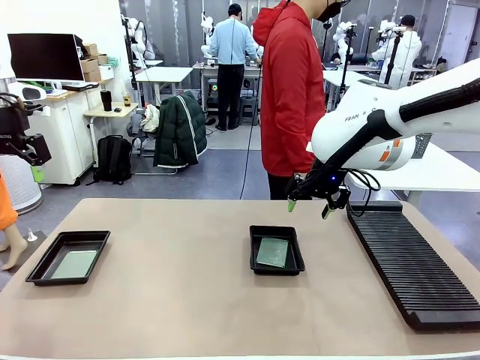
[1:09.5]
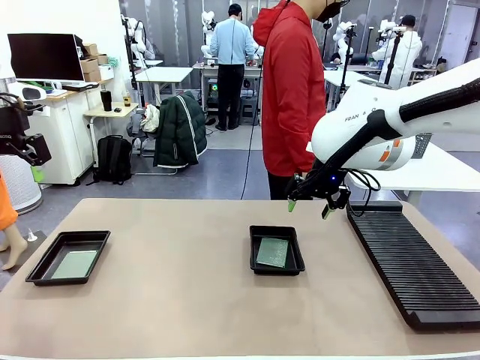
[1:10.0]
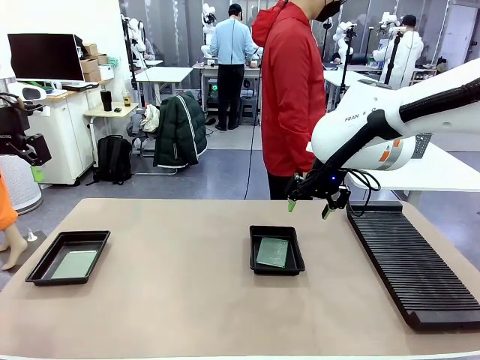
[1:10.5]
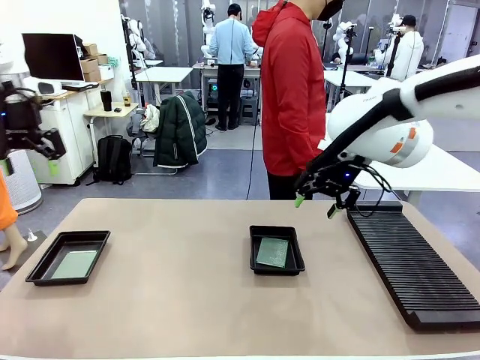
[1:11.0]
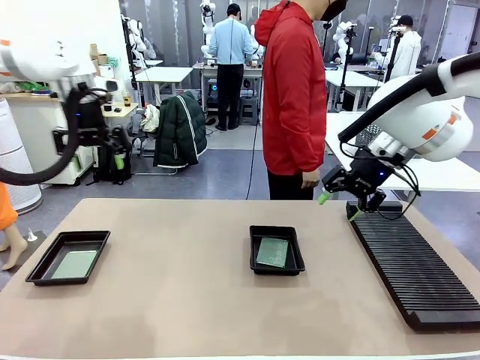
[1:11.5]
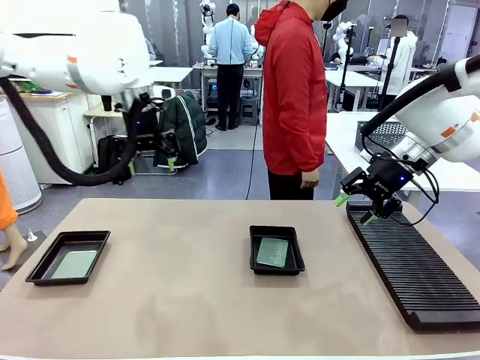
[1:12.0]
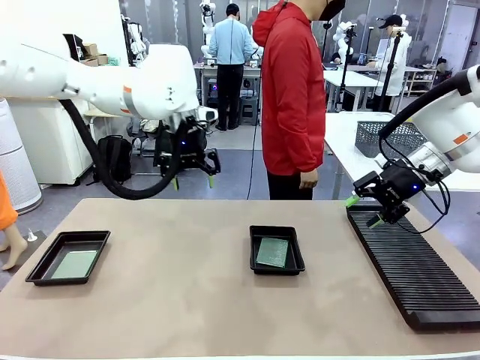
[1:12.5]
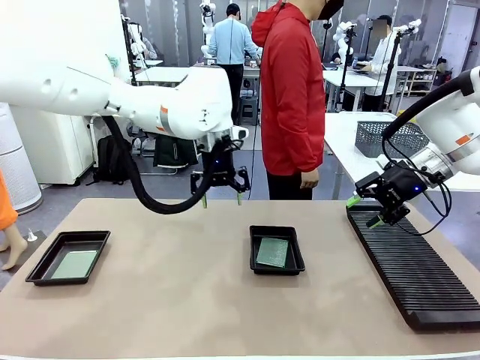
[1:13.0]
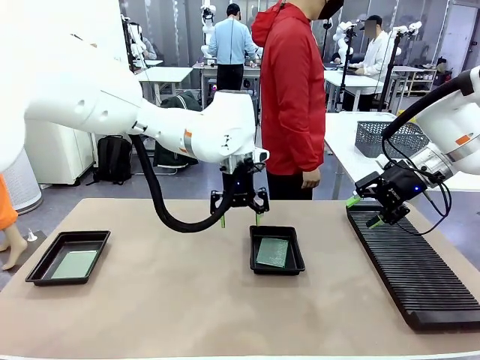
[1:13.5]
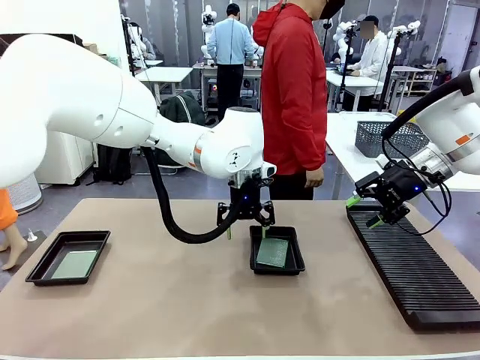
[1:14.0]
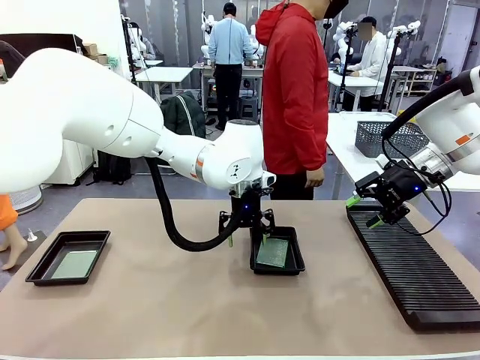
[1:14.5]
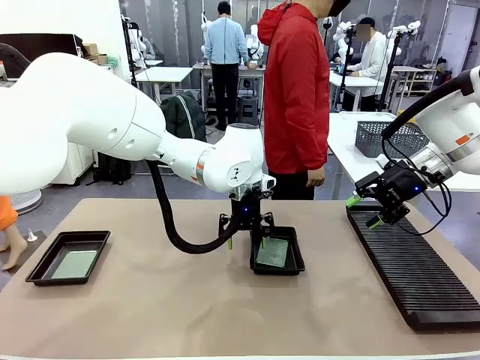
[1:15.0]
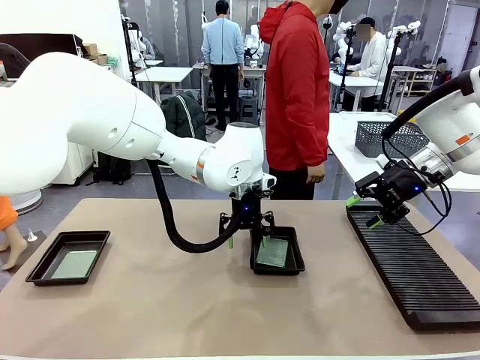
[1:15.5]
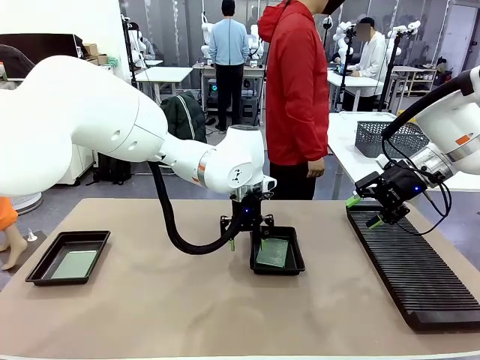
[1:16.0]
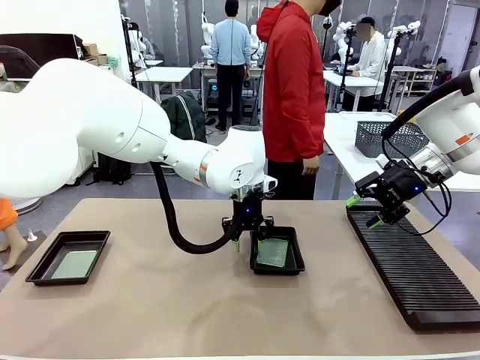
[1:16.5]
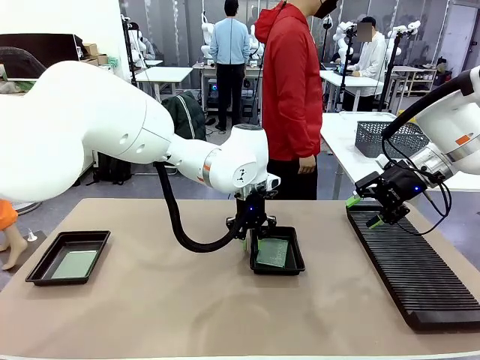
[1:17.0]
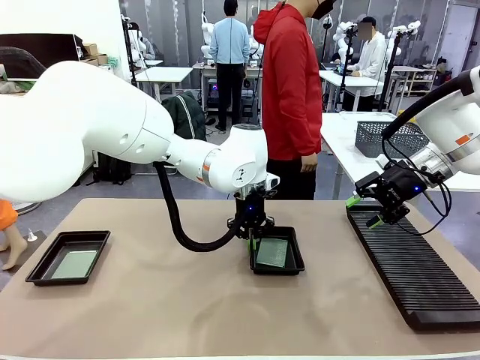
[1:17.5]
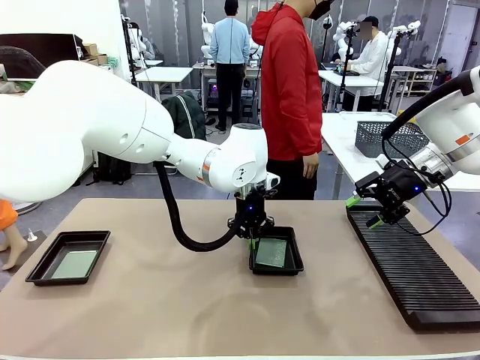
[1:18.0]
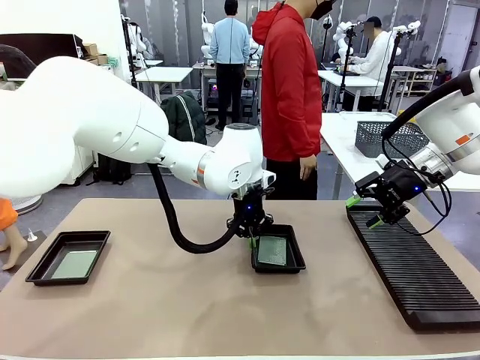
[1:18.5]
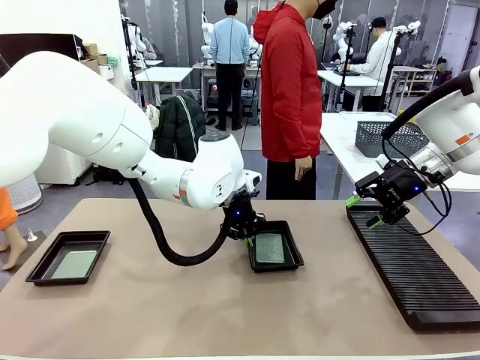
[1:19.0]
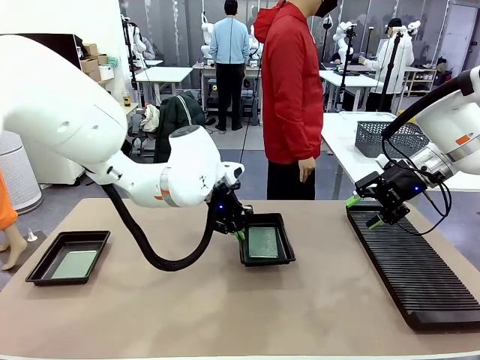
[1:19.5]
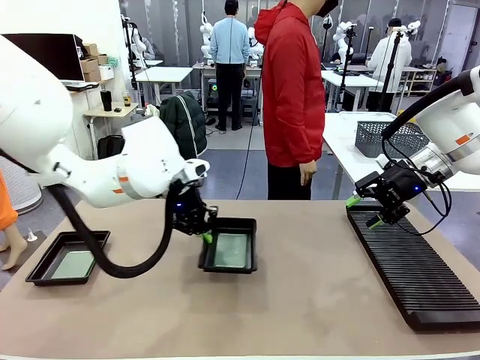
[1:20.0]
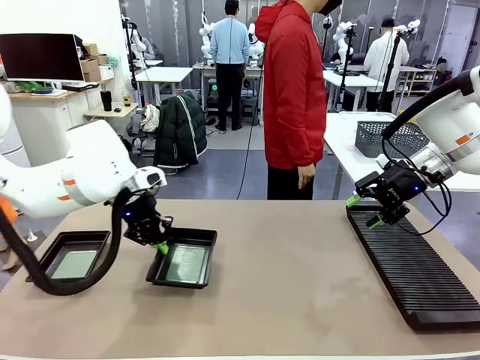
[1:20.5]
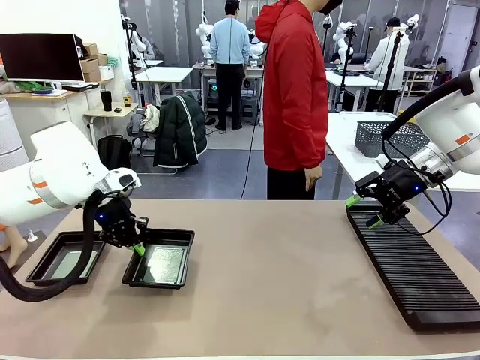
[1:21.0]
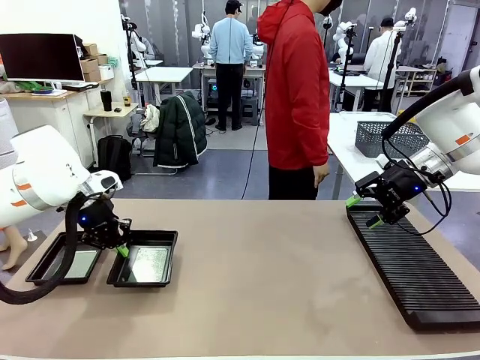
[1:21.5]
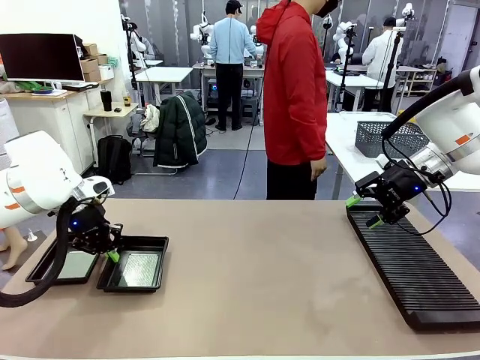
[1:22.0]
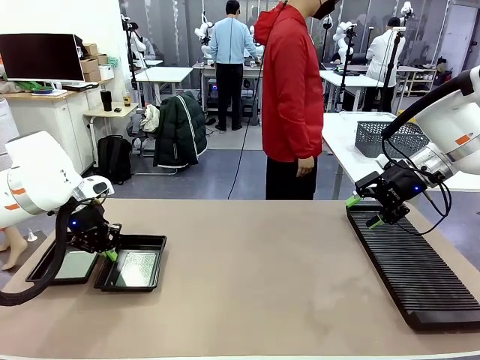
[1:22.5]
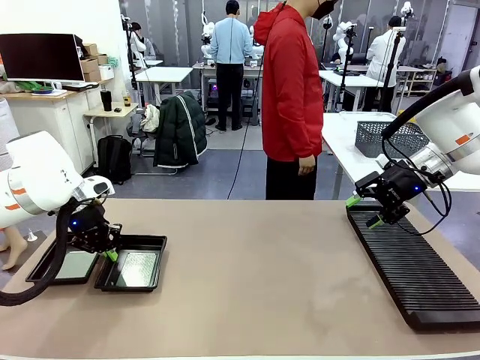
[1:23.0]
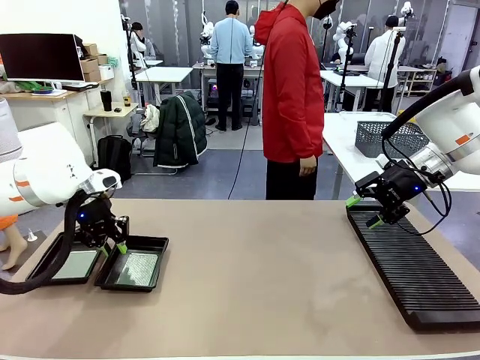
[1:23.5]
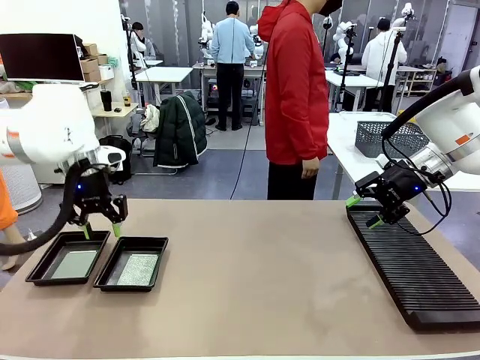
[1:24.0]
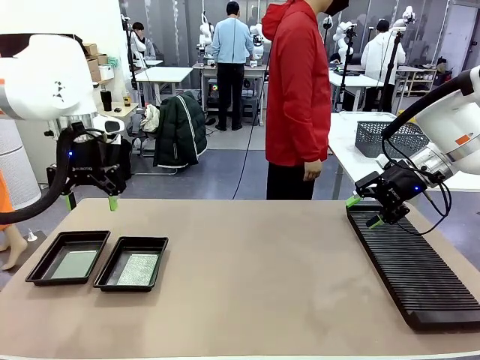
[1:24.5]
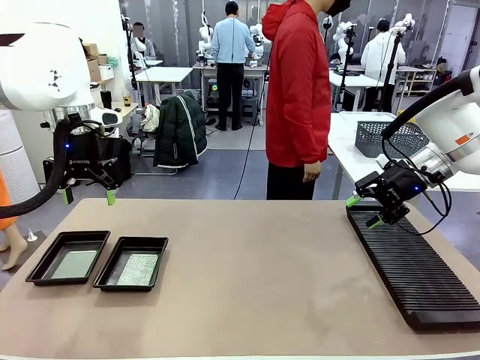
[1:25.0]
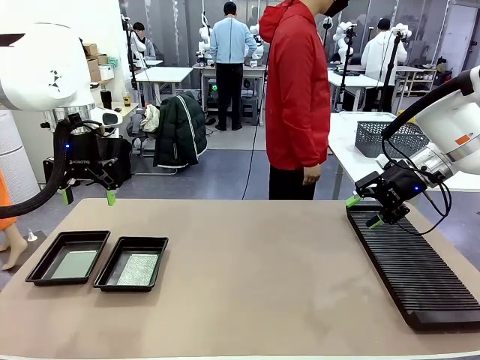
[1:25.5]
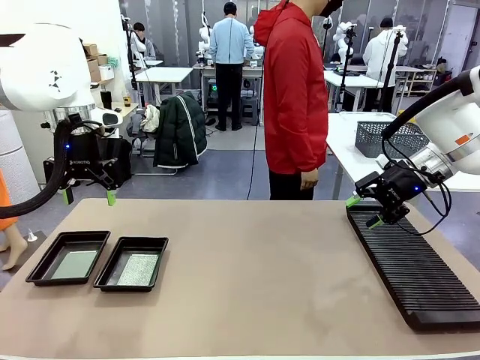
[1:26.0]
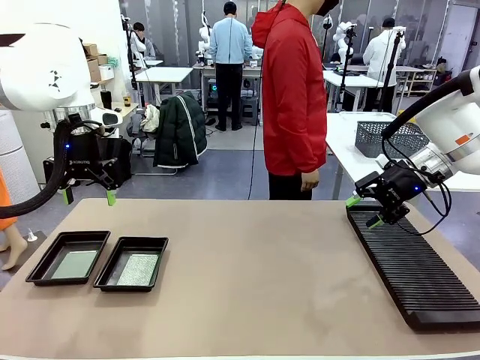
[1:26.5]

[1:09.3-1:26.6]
Task: Inspect and transfer BCBs to ESD trays.
Robot: Pick up the ESD tray and place it on the left side of the table.

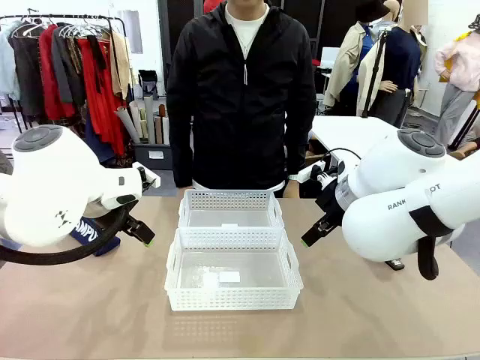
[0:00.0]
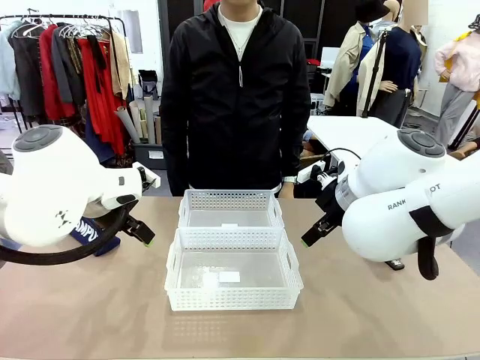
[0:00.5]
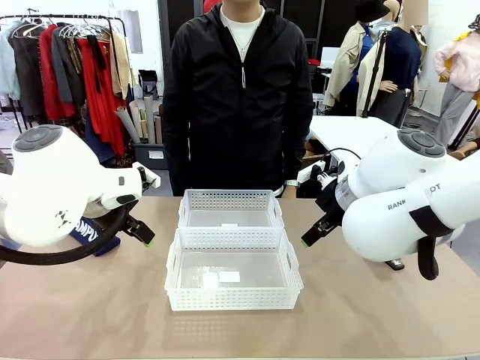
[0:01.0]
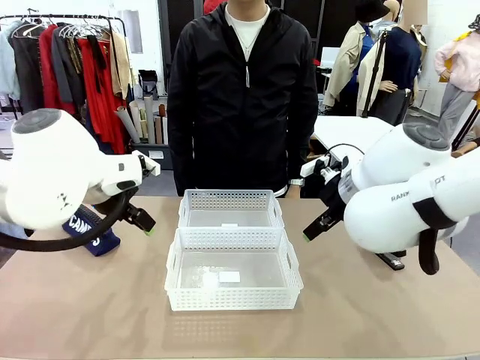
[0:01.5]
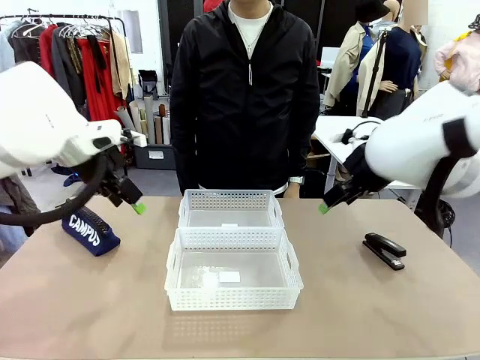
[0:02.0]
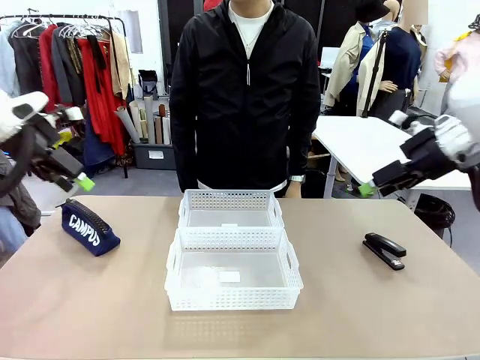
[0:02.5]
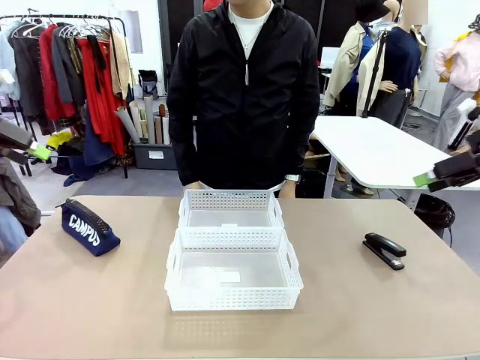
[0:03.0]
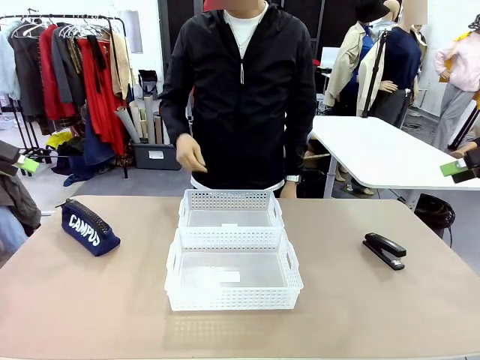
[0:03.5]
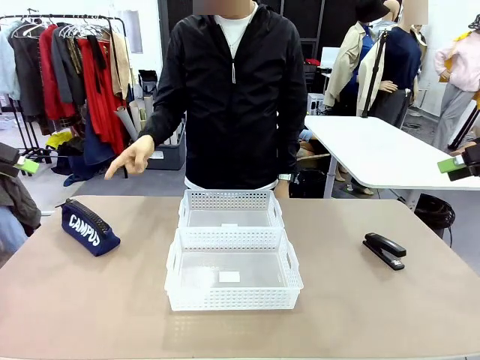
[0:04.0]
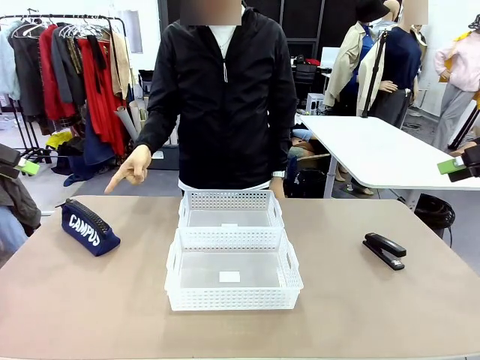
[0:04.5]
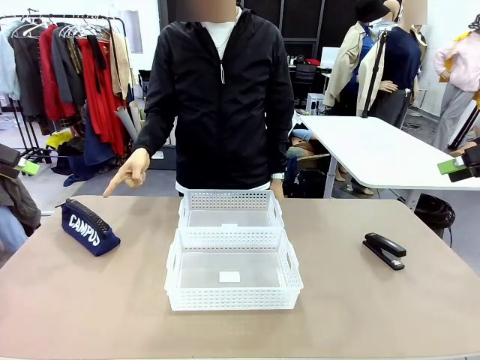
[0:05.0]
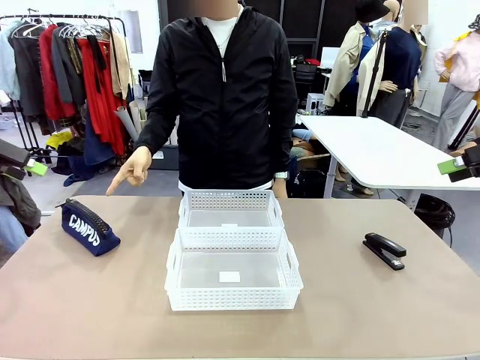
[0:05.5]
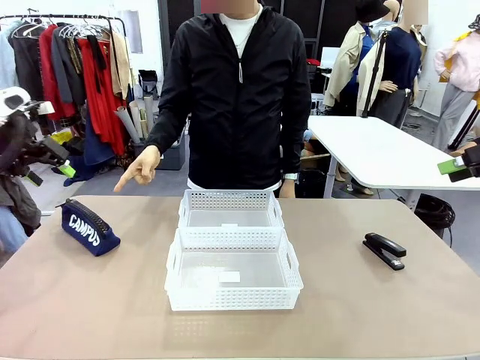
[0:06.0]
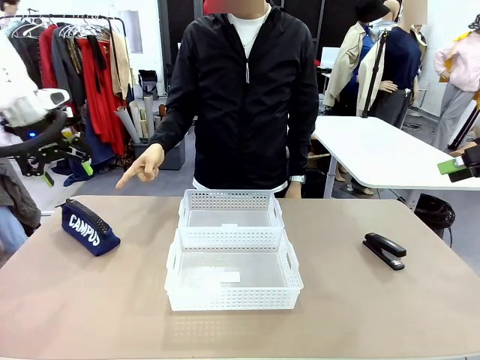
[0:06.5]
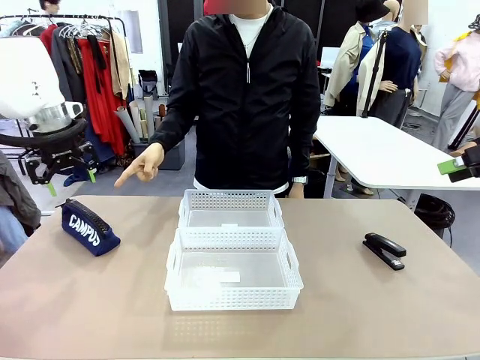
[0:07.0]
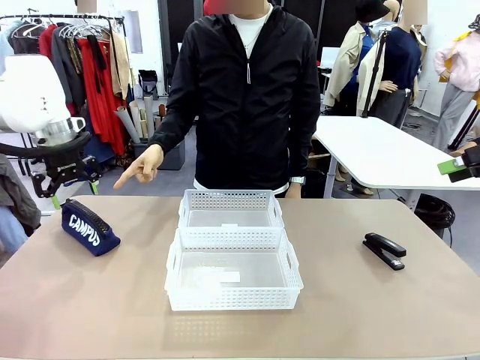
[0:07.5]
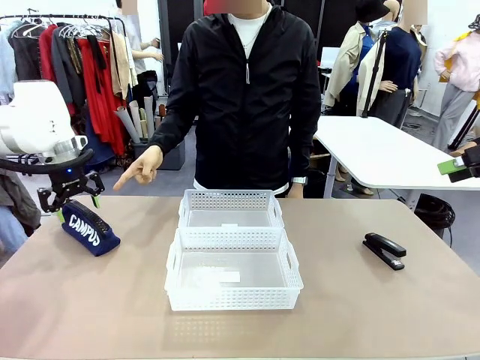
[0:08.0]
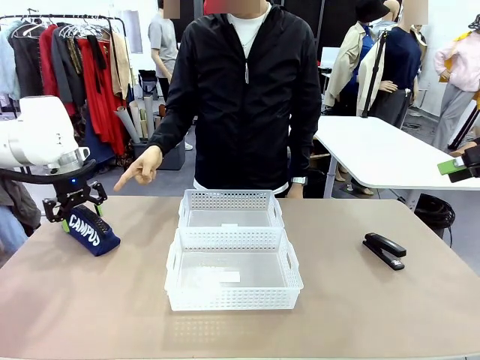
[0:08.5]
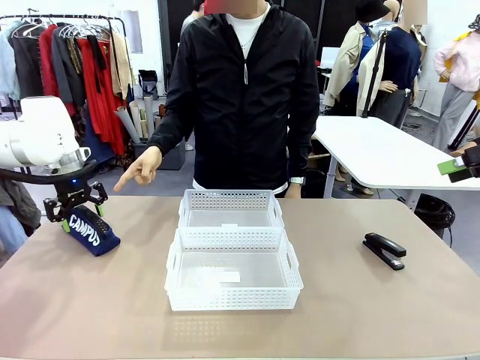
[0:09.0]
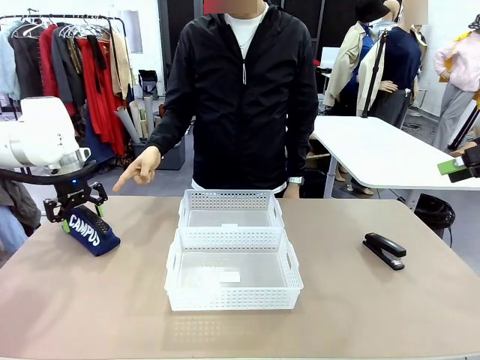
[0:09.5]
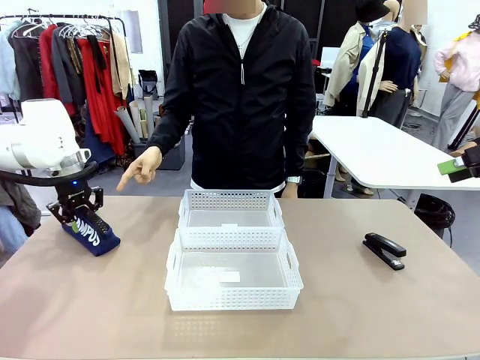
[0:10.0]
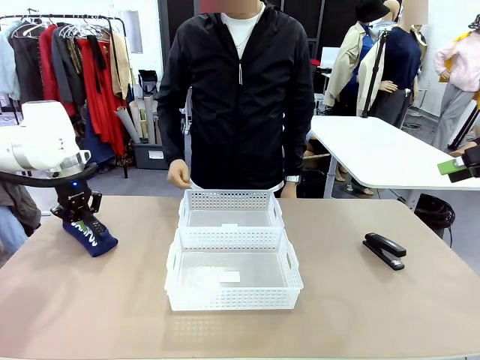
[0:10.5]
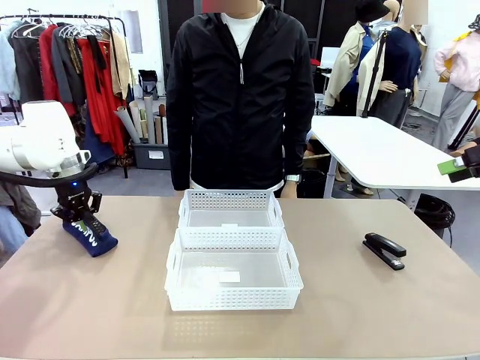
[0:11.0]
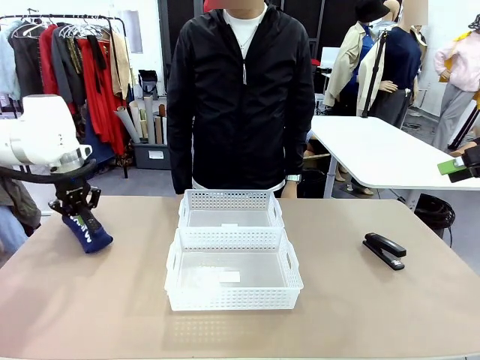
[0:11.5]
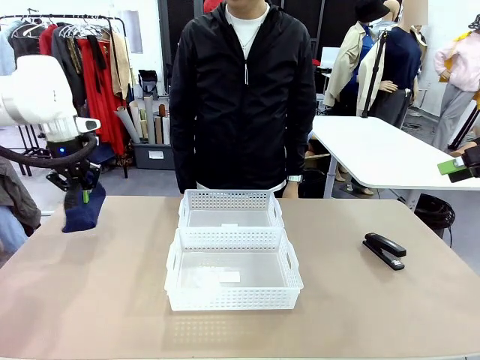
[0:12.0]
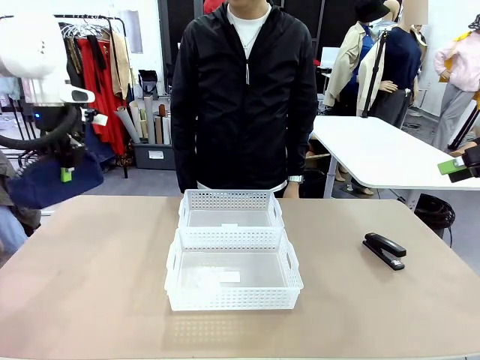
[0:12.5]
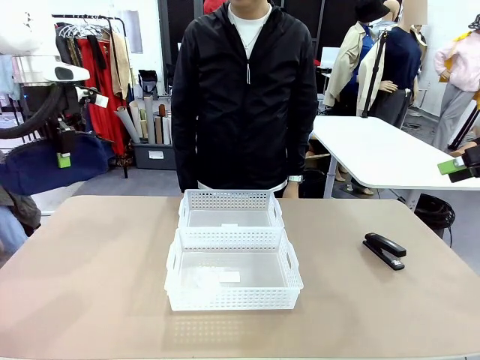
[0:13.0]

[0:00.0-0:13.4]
Task: Distribute items into two baskets.
Robot: Pick up the Pencil pouch that the person points to.
Person: Points to the pencil case. Points between the two organizing baskets and instructs the robot to move the pencil case.
